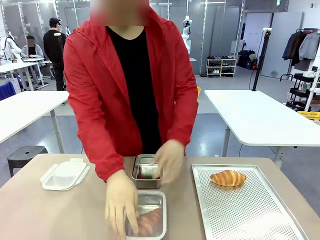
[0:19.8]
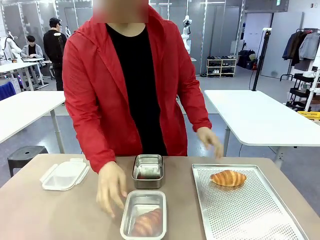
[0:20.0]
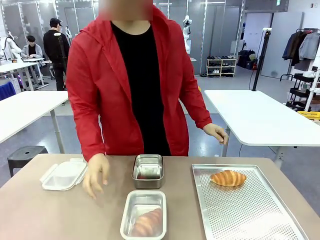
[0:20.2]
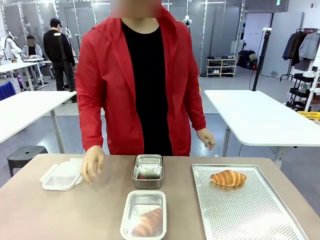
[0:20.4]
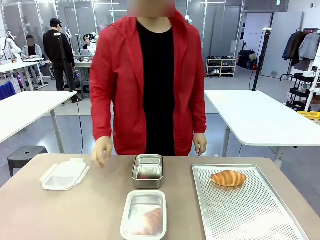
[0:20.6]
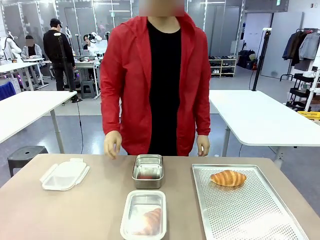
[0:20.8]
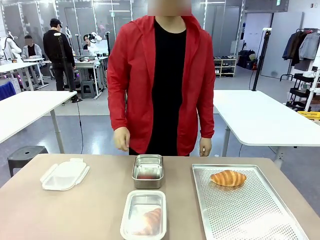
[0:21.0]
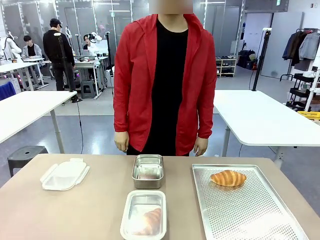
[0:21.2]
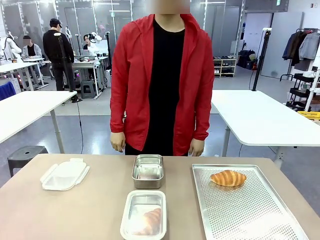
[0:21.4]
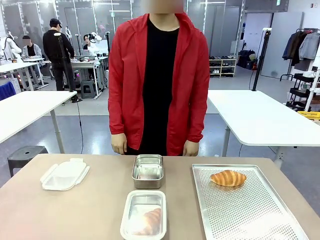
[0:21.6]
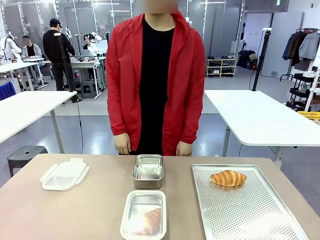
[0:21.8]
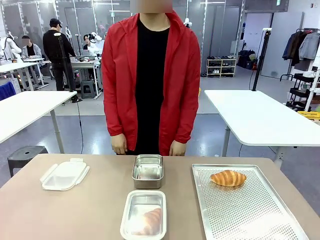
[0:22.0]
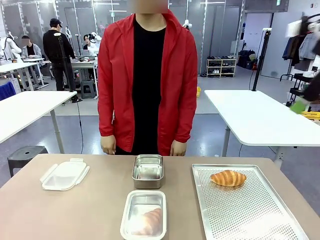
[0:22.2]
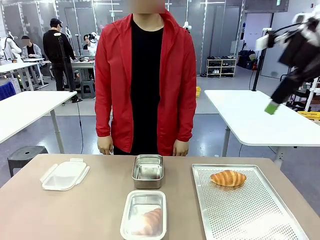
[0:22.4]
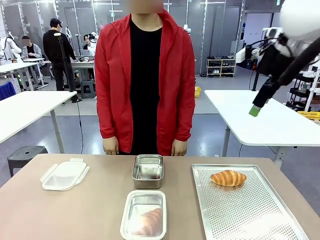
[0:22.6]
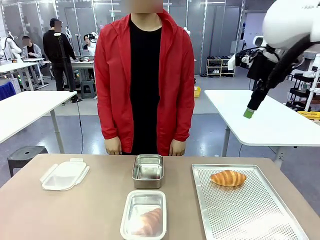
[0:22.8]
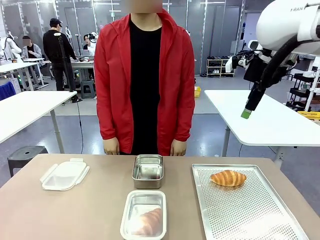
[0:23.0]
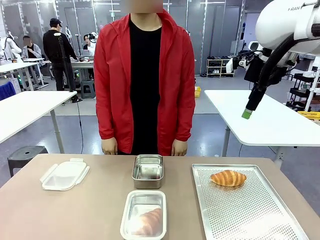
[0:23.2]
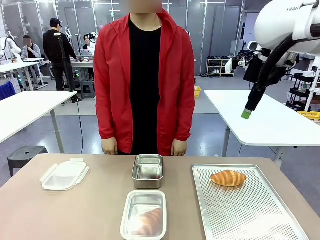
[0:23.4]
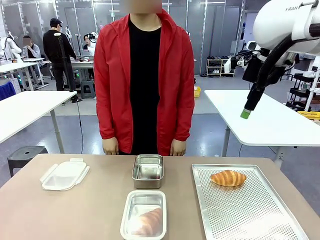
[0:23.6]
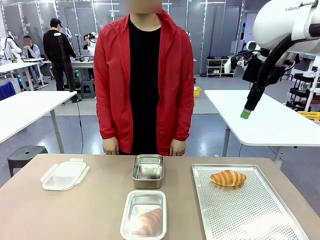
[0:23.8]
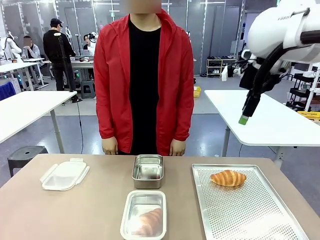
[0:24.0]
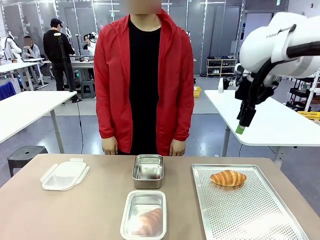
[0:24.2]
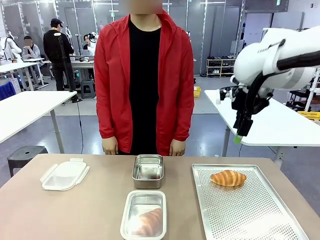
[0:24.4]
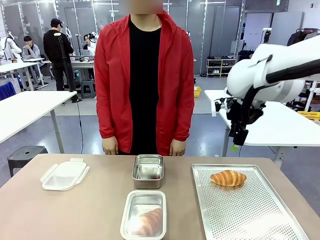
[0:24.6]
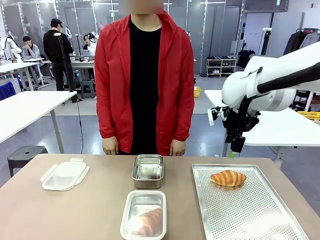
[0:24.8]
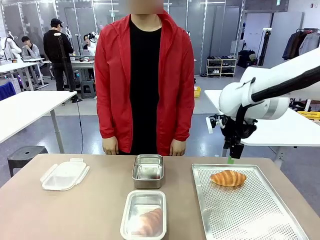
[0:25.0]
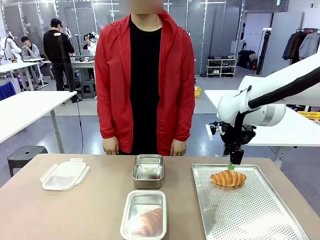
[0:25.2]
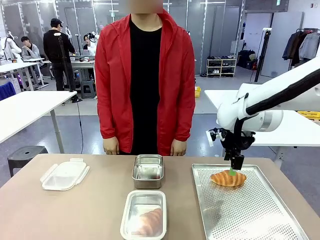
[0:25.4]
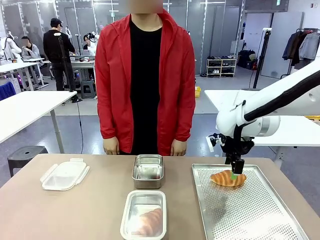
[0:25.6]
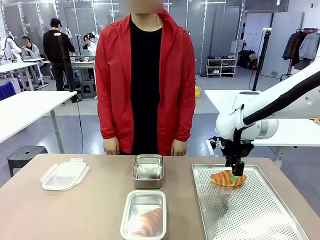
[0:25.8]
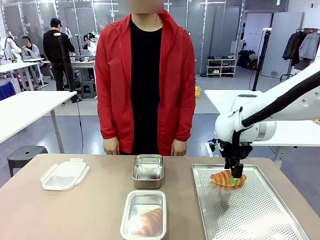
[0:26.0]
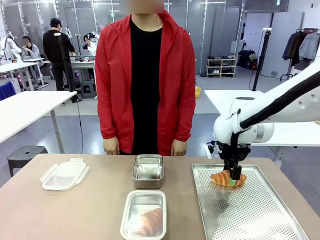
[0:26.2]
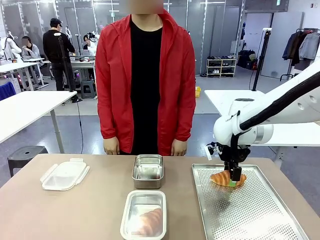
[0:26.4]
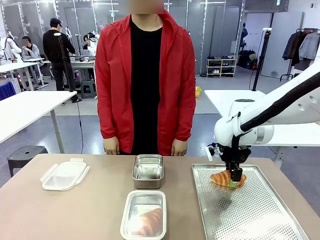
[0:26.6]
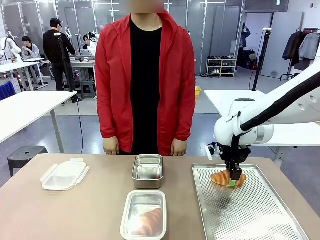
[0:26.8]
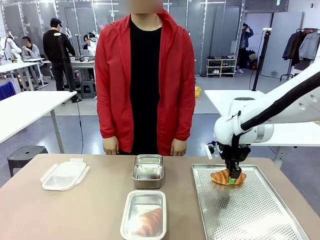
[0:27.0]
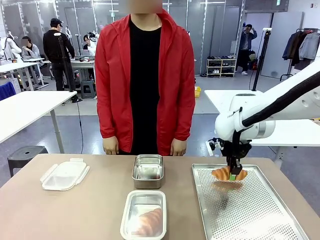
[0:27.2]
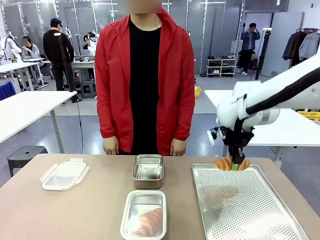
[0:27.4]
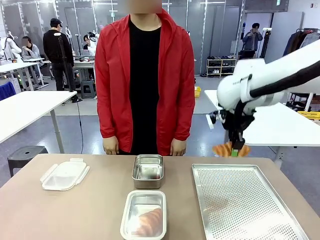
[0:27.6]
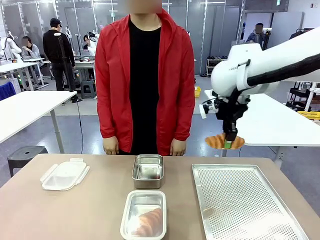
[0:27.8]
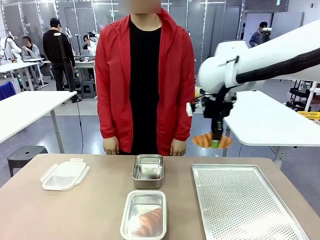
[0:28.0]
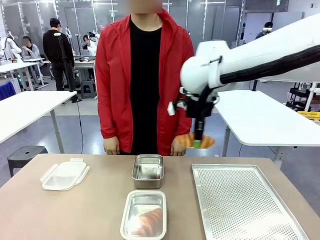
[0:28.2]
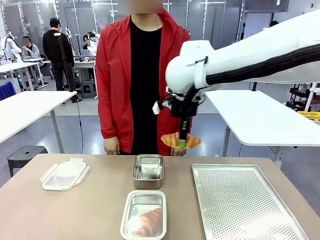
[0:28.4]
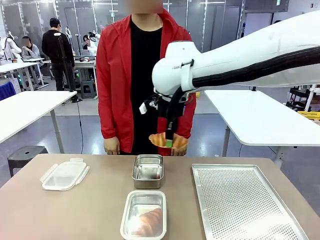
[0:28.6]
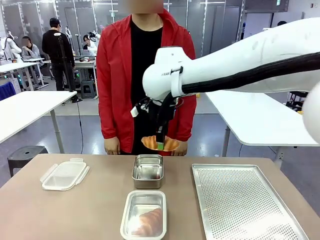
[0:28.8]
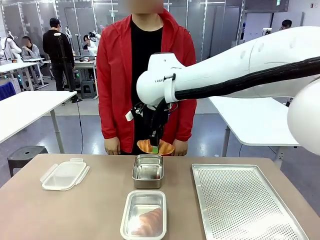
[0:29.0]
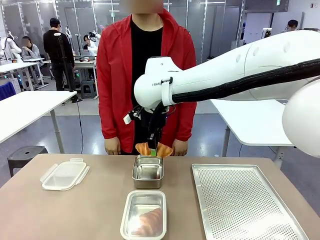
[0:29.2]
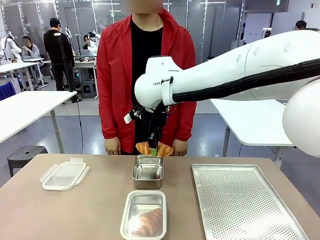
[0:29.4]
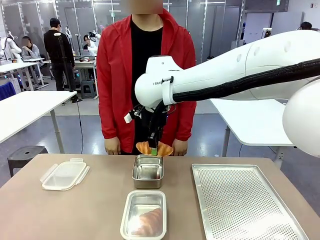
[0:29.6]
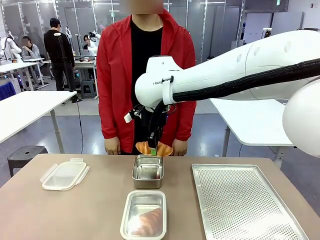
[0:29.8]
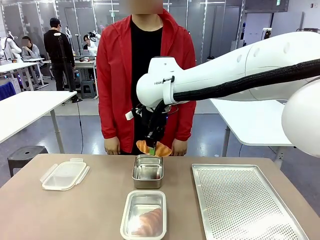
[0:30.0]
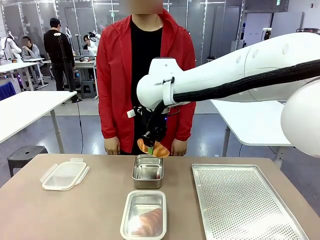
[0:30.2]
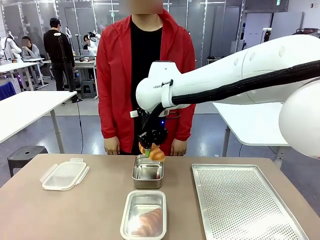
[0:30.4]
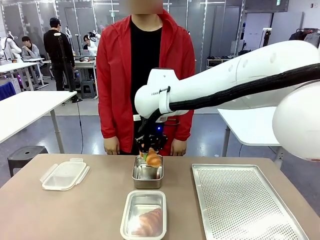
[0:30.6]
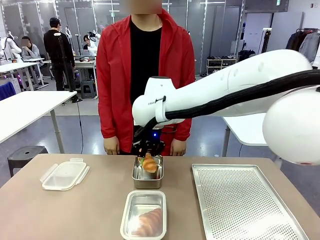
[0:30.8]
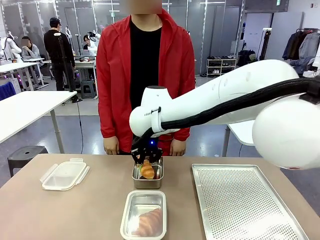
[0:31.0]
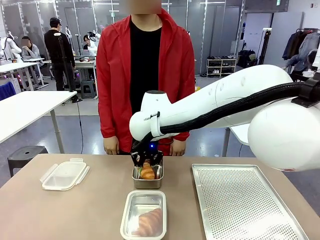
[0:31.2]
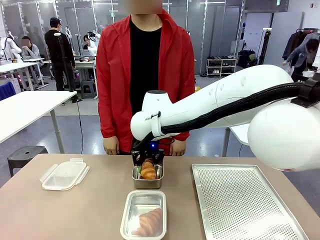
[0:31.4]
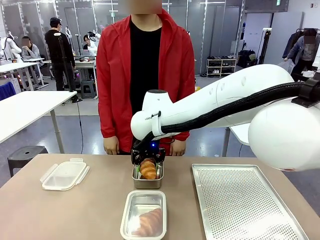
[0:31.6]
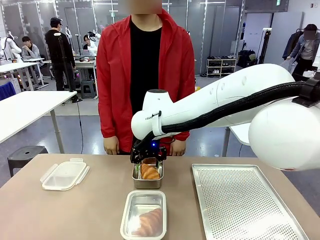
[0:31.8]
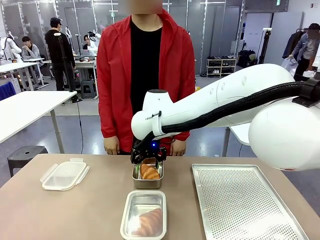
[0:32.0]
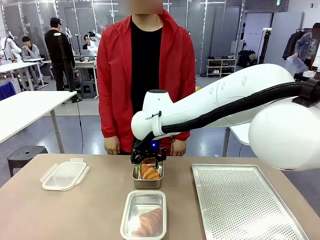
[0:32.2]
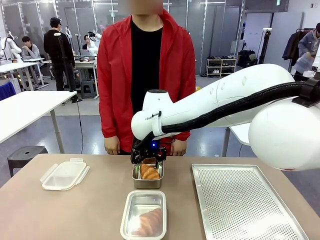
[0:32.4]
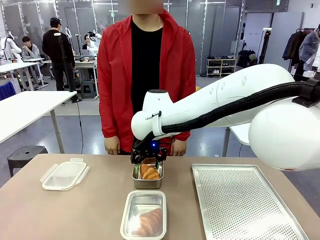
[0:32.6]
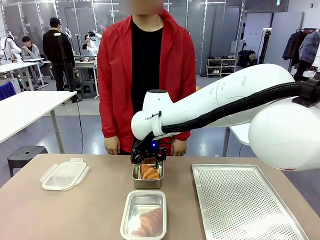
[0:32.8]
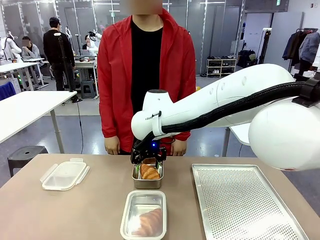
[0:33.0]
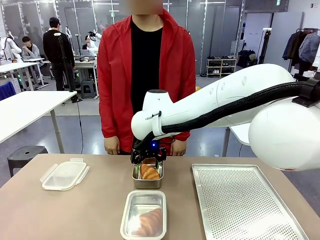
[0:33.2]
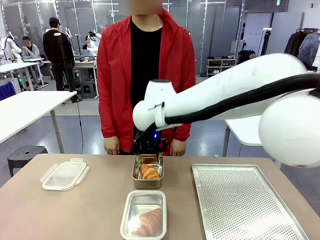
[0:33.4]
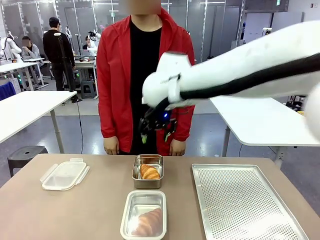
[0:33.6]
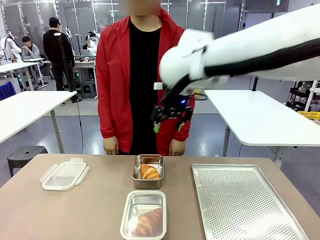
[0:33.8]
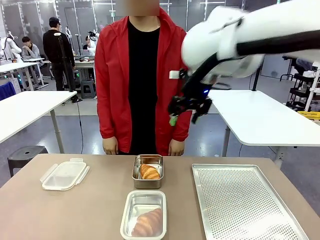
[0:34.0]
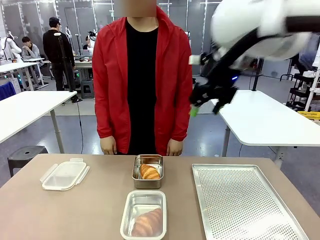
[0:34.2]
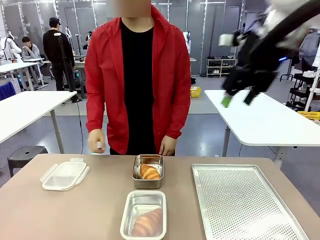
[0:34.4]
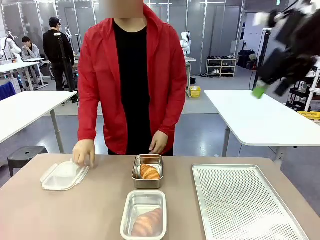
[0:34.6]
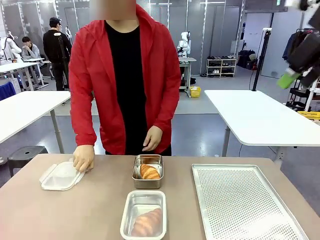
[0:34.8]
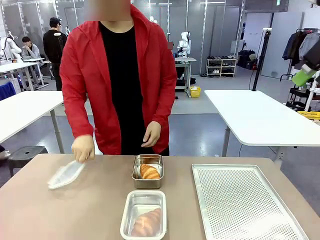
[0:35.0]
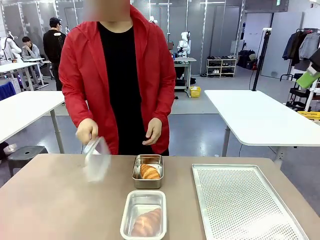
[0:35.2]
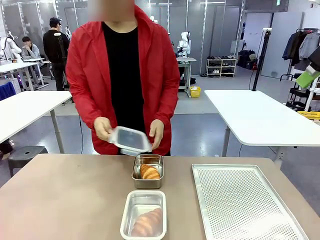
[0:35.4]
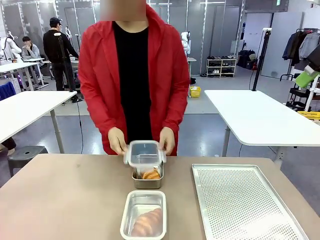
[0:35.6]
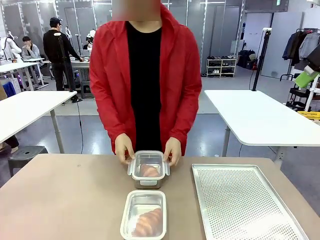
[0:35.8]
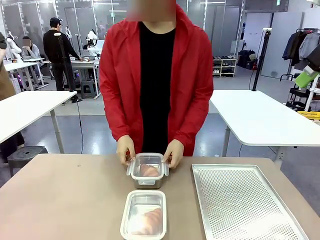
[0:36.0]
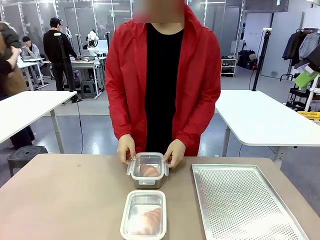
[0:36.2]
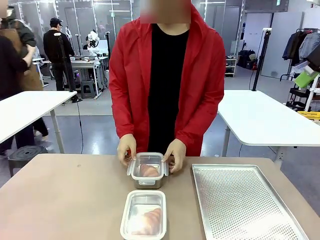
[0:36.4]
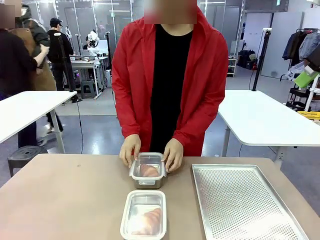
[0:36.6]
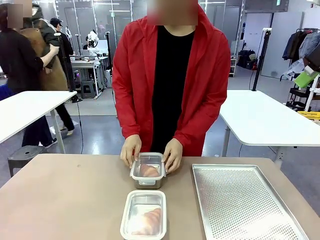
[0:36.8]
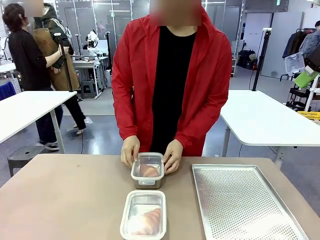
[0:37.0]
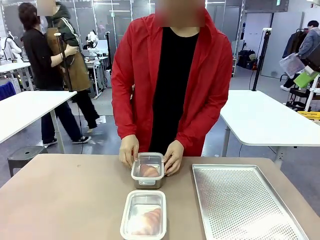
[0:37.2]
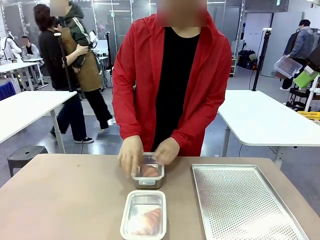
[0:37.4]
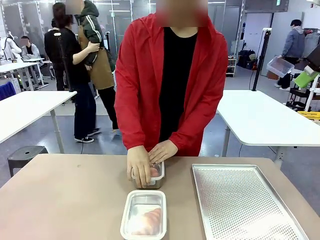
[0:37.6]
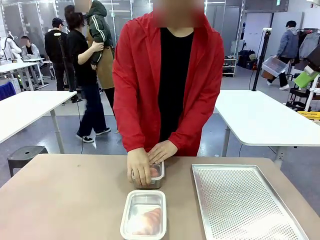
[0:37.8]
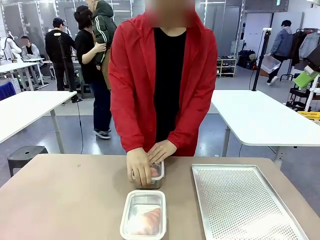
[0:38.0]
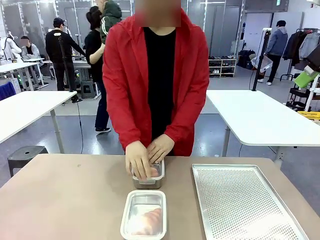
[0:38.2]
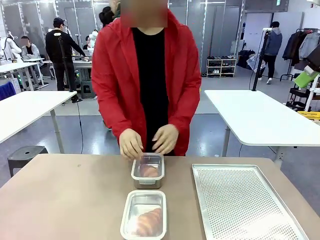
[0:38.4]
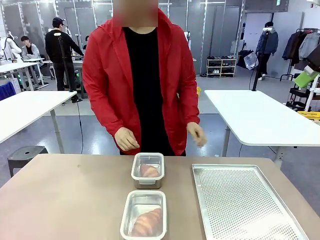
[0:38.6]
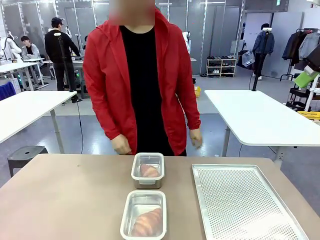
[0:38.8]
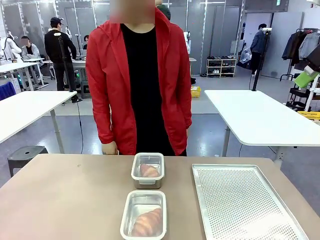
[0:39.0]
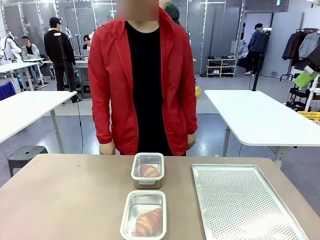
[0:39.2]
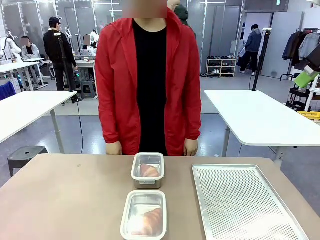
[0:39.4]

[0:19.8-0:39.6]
Task: Place the bread into the airtight container.
Robot: Pick up a Butter Roll and place it into an empty Airtight Container.
